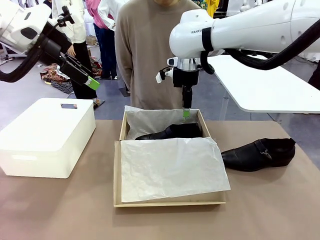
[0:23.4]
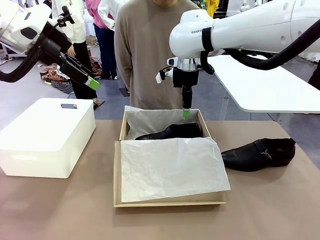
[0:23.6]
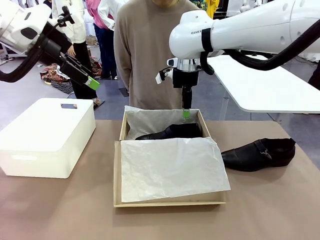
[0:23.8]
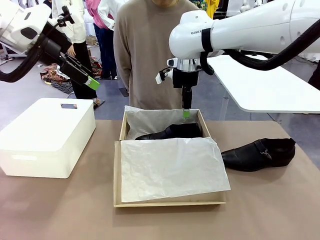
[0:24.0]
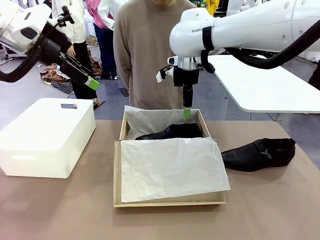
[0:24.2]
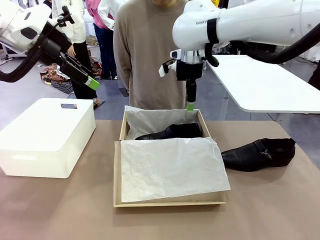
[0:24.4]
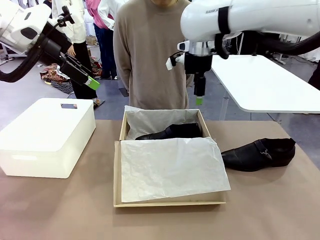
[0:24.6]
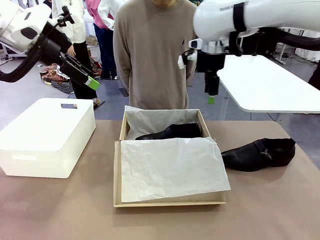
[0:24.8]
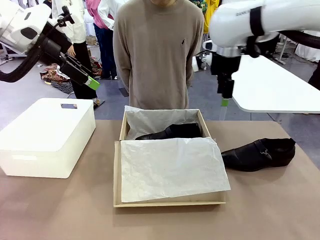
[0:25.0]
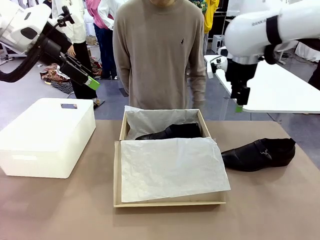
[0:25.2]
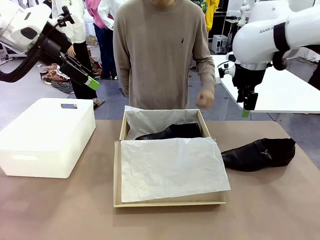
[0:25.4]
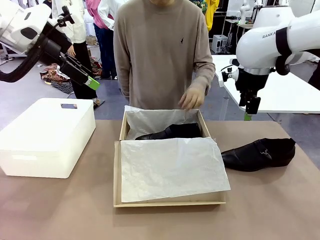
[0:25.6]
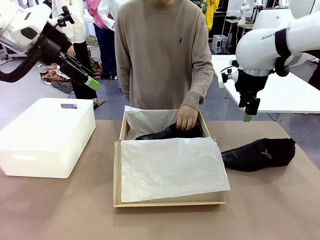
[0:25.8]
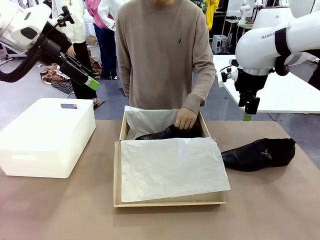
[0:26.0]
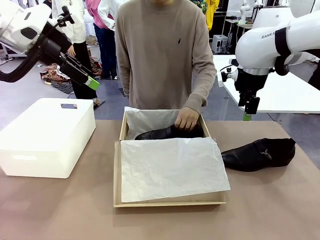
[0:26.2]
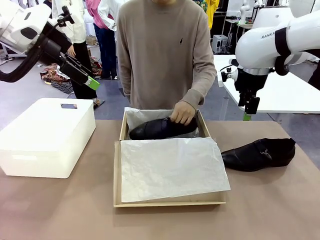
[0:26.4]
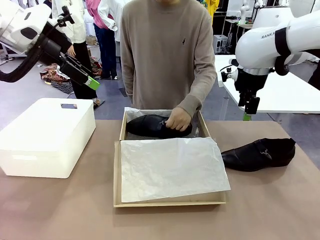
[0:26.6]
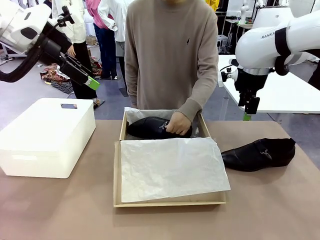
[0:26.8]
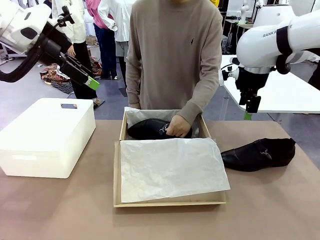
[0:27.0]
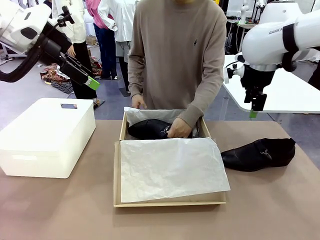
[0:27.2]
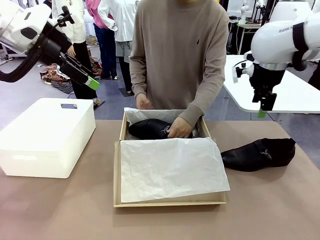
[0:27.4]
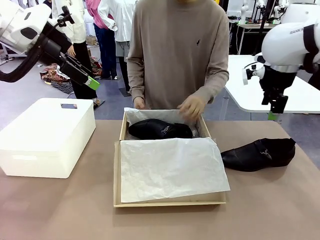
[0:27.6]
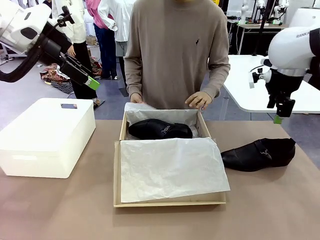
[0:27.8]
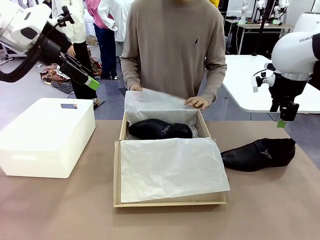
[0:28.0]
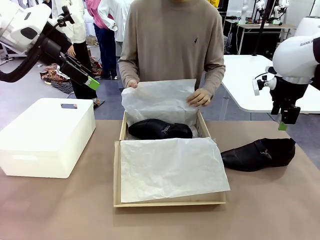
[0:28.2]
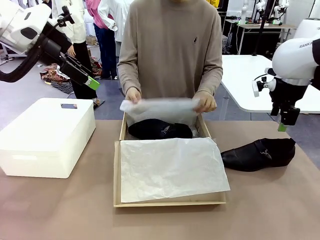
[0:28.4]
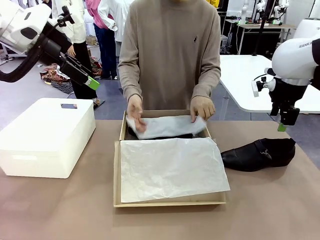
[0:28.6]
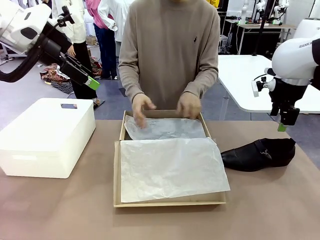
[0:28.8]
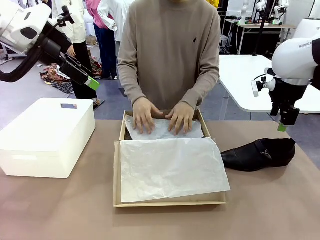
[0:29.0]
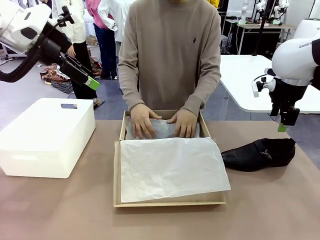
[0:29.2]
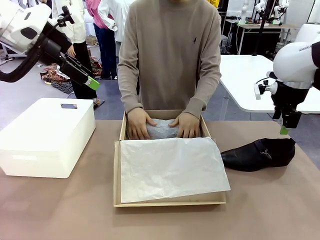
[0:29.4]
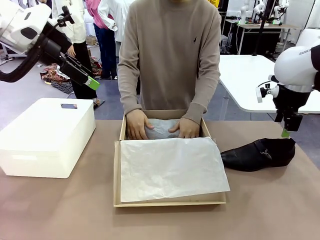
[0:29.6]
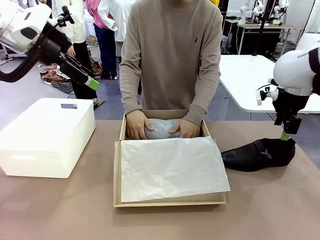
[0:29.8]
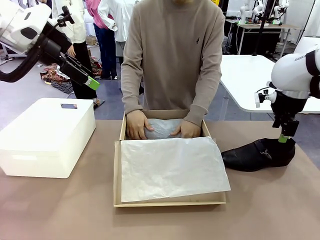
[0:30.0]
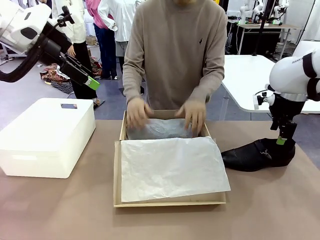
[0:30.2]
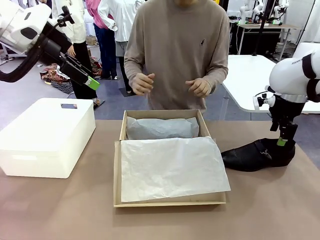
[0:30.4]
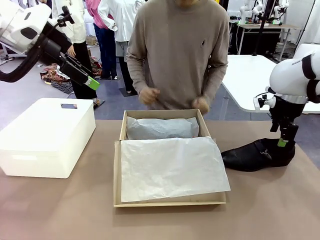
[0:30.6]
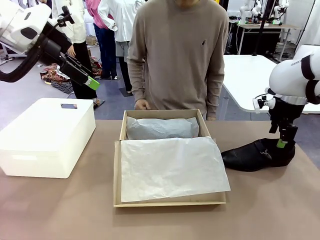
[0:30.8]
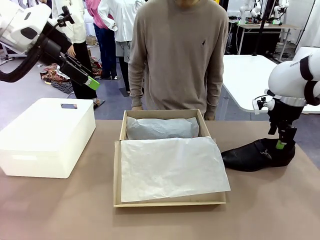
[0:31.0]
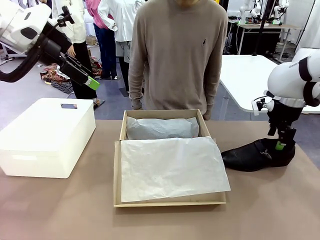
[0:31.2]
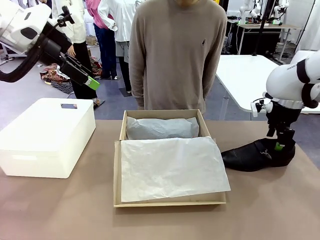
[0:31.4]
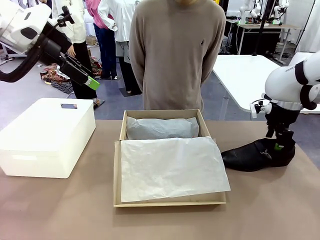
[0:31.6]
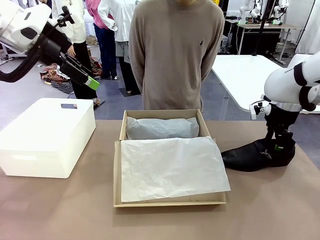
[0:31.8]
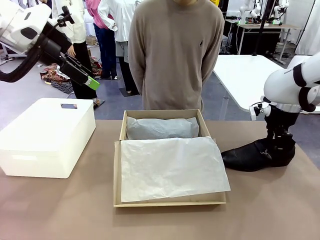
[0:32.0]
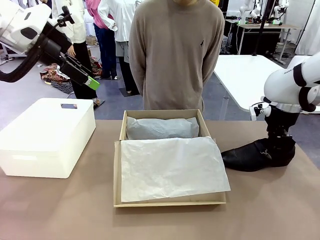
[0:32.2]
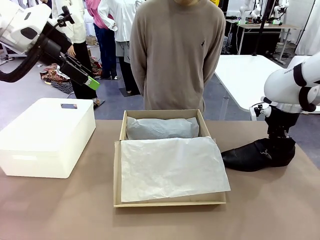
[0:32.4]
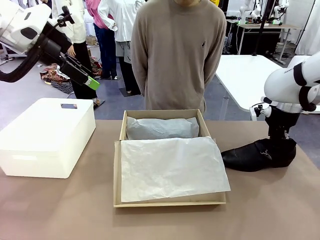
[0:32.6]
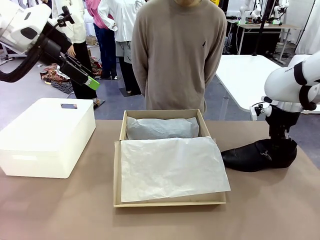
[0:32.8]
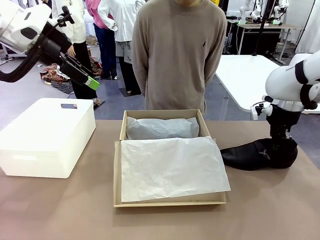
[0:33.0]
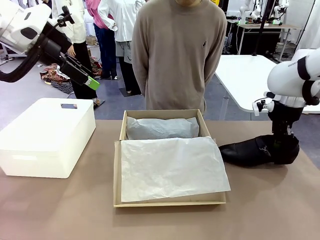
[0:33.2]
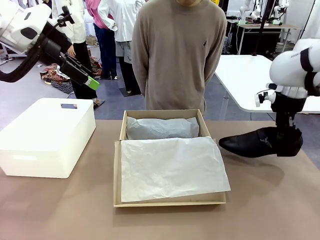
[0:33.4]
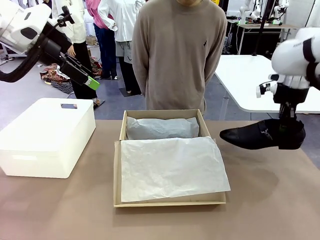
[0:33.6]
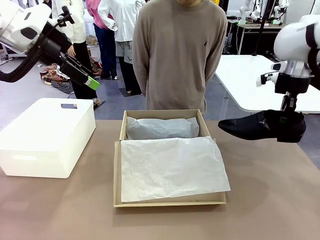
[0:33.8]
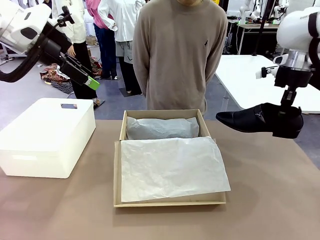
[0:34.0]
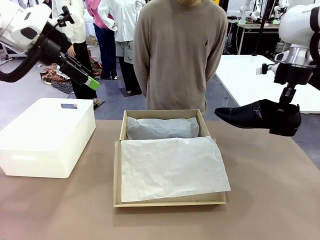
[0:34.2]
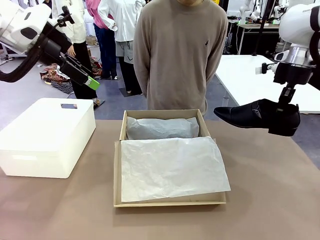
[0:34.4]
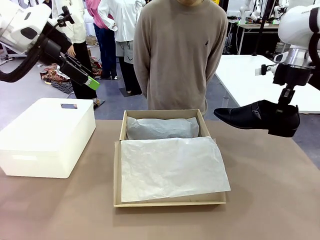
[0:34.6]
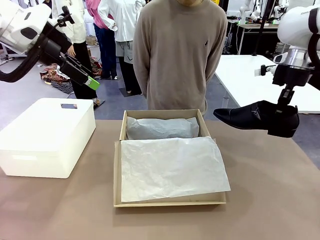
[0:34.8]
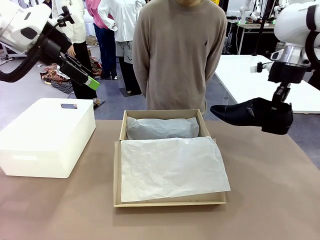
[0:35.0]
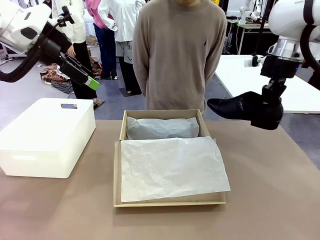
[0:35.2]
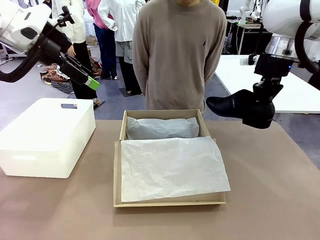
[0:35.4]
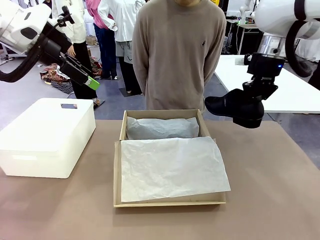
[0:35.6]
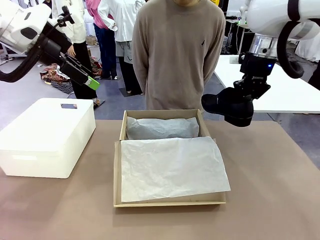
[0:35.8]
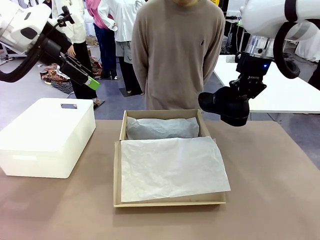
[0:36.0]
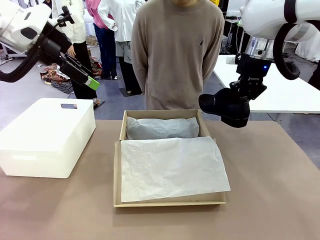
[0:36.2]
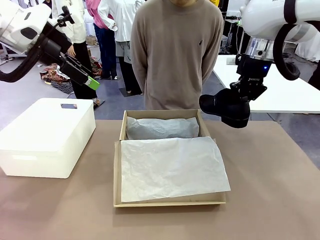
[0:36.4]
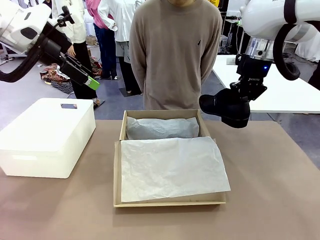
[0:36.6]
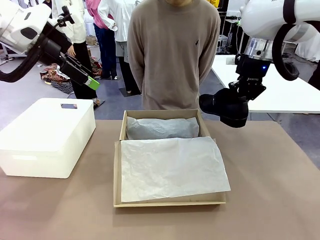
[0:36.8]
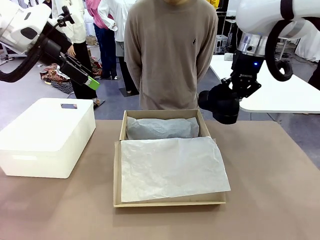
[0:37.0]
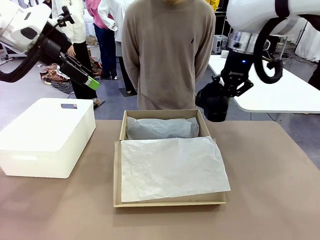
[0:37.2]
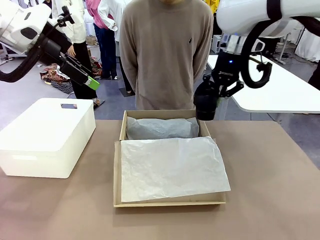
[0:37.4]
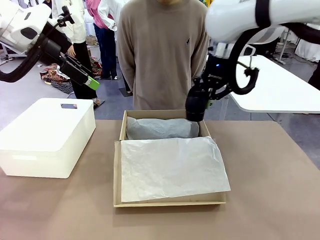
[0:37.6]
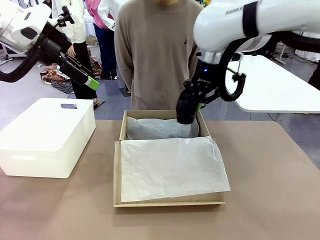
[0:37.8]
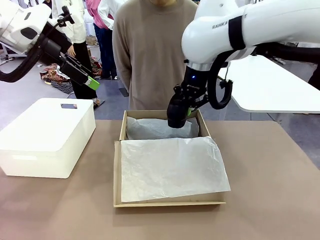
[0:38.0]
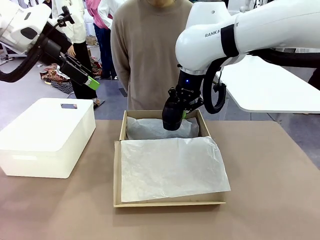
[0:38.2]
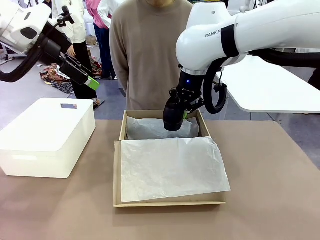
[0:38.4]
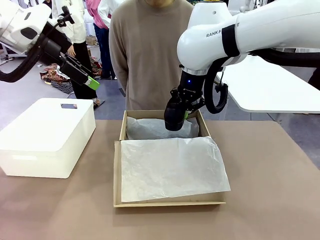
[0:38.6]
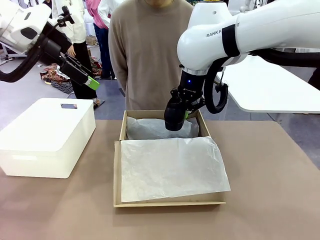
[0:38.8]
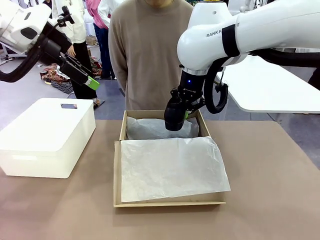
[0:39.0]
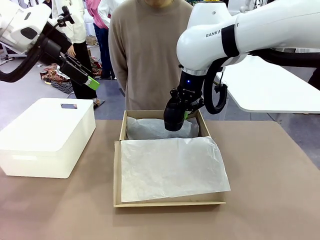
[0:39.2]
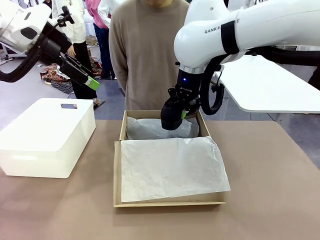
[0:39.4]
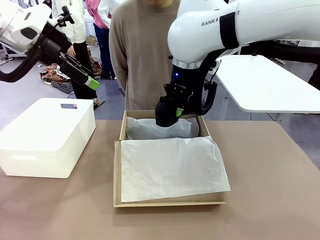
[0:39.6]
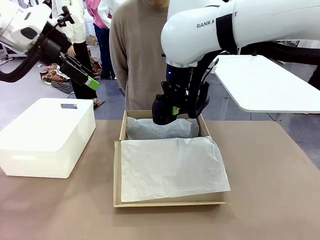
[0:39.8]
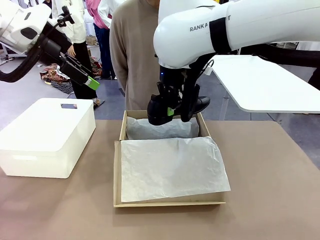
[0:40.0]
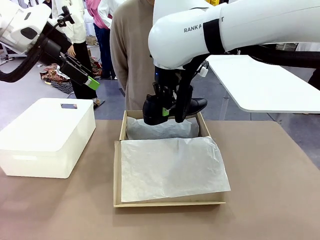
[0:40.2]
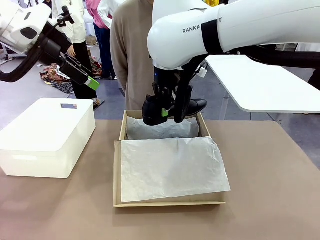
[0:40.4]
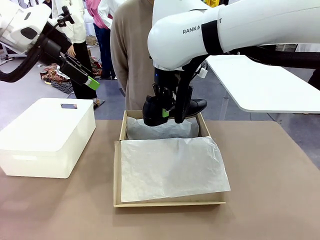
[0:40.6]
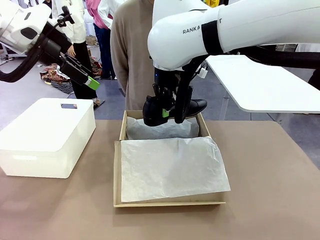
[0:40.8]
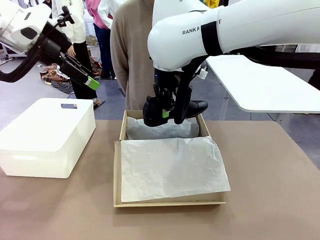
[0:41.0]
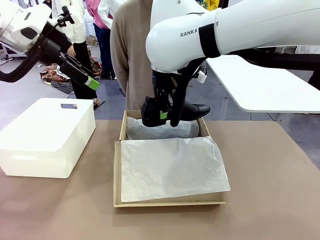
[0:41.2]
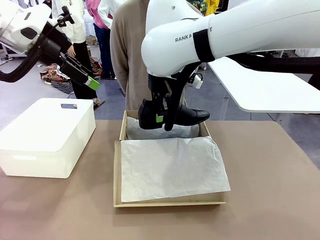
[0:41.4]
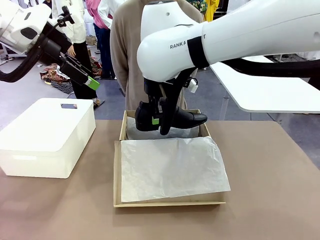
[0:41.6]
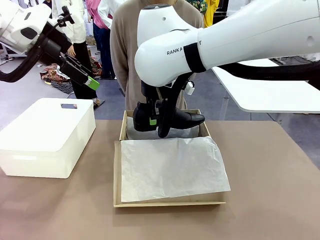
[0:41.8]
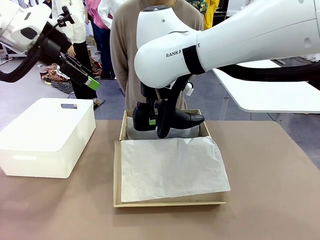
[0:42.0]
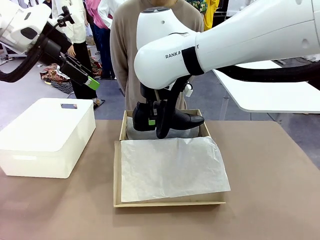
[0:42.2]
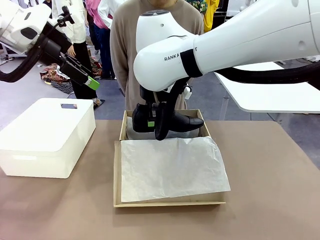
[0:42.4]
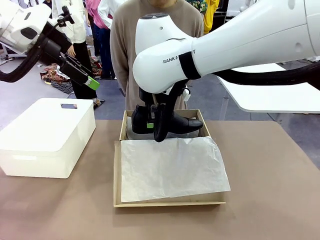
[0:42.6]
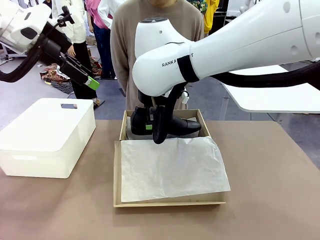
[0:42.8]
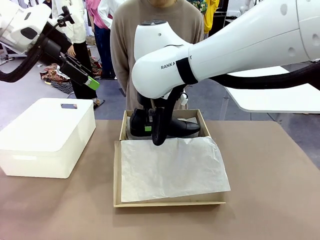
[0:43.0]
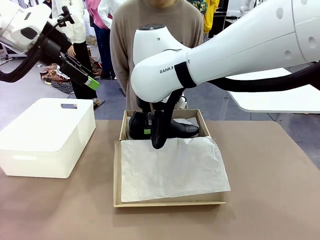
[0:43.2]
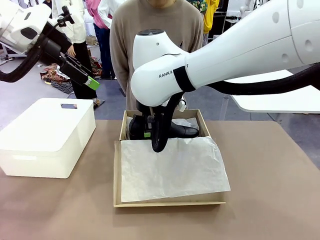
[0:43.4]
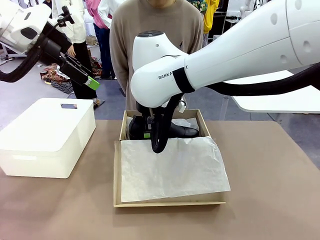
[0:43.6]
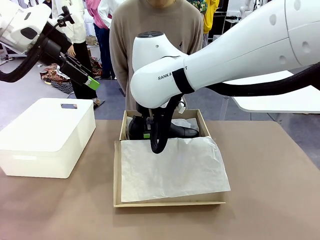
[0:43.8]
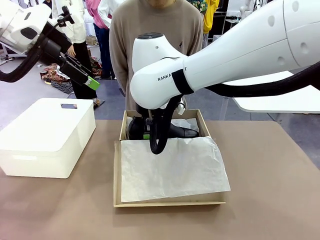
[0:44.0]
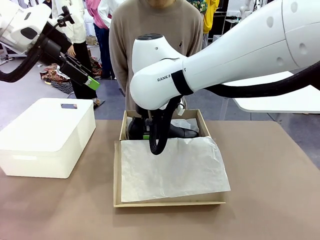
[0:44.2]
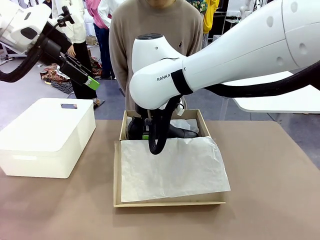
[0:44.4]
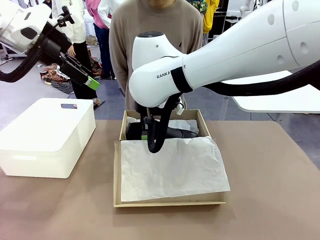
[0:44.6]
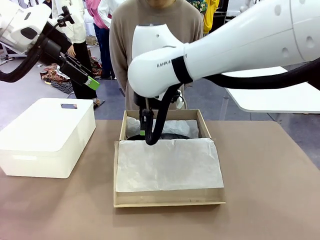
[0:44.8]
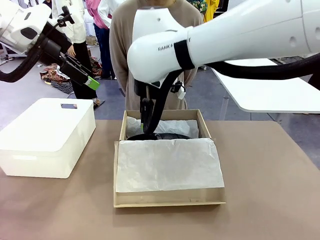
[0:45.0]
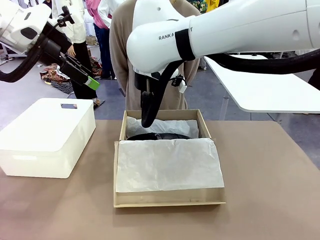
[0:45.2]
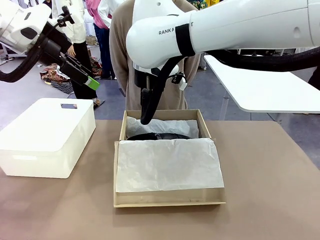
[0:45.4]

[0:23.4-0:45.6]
Task: Pack the shoes into the box.
Robot: Place the other shoe of the Shoes into the Shoes Box.
Person: Pack a shoe of Shoes inside the Shoes Box with Shoes Wrapping Paper.
